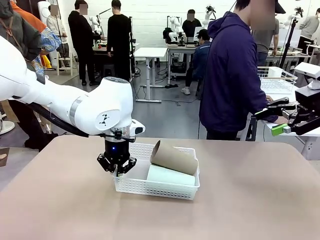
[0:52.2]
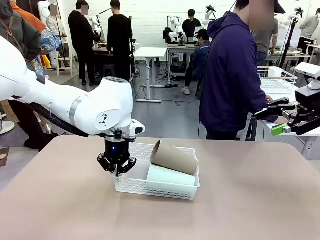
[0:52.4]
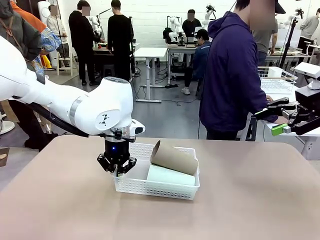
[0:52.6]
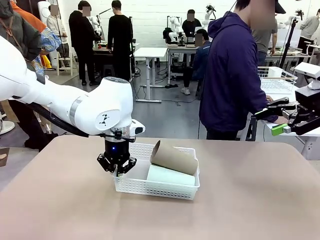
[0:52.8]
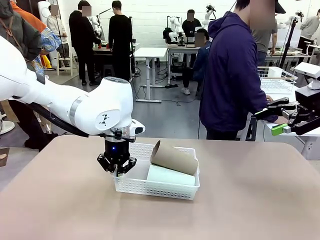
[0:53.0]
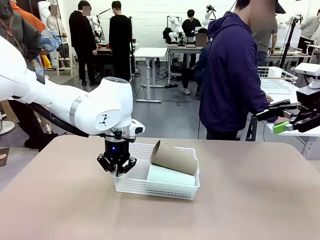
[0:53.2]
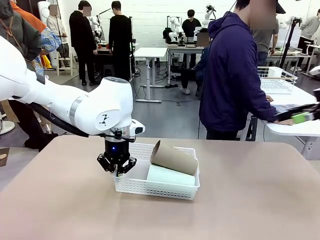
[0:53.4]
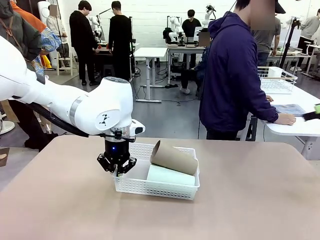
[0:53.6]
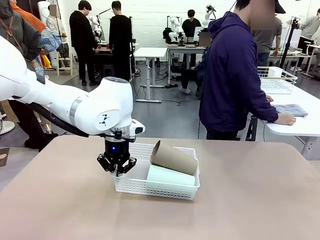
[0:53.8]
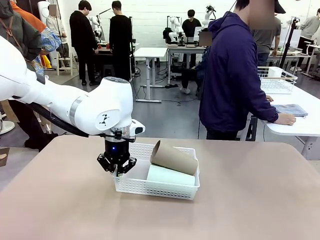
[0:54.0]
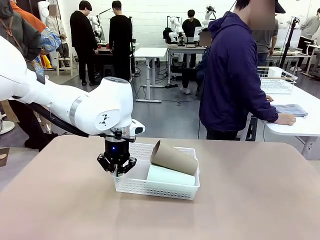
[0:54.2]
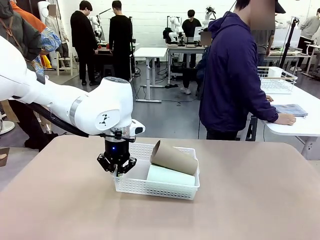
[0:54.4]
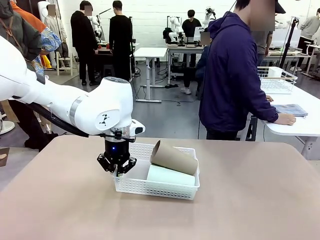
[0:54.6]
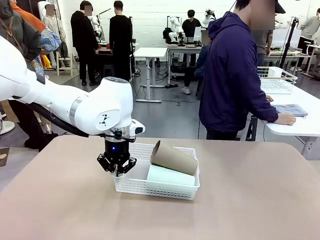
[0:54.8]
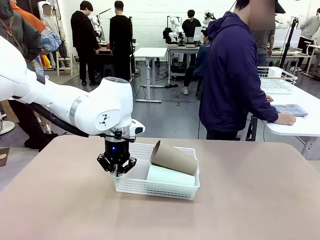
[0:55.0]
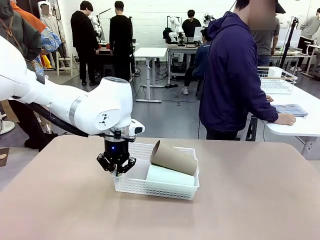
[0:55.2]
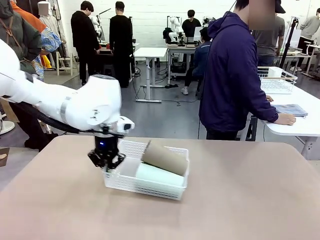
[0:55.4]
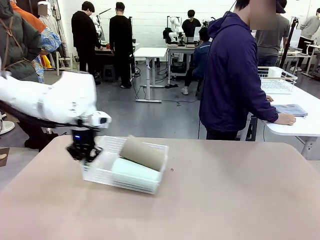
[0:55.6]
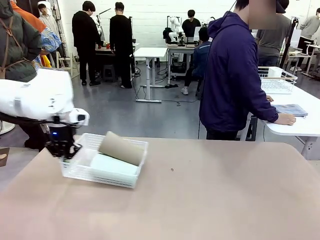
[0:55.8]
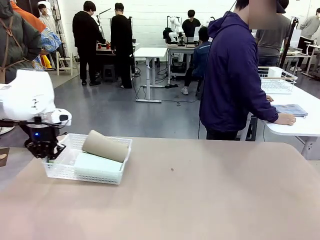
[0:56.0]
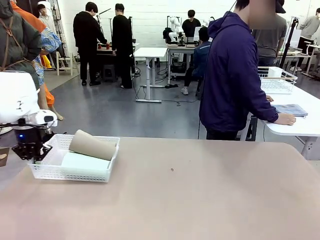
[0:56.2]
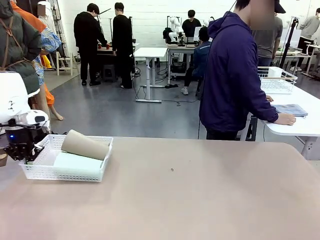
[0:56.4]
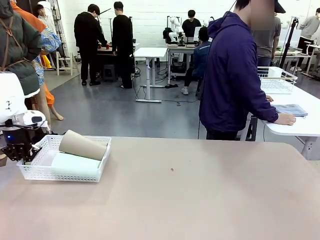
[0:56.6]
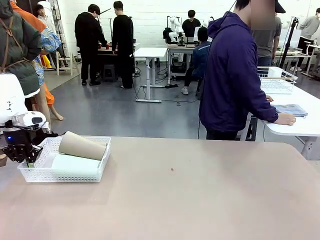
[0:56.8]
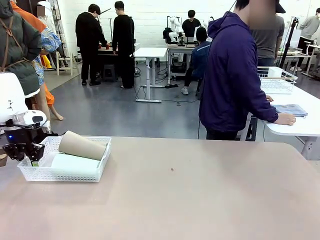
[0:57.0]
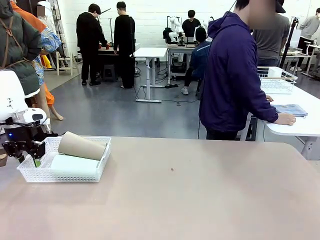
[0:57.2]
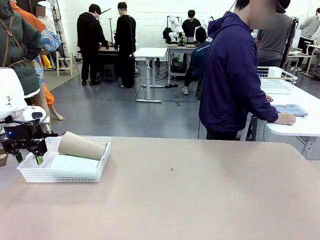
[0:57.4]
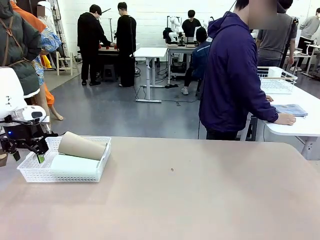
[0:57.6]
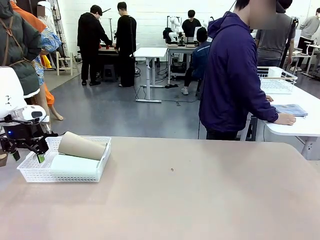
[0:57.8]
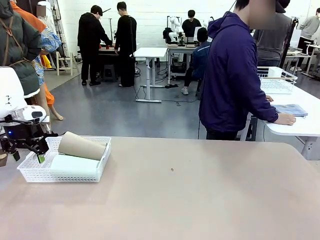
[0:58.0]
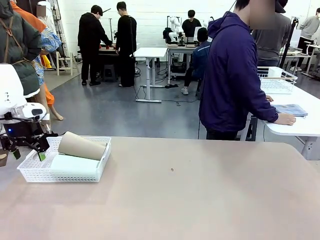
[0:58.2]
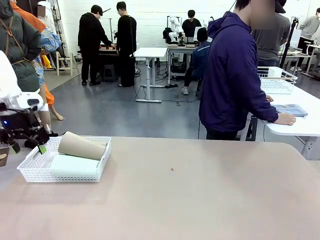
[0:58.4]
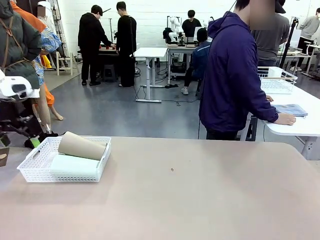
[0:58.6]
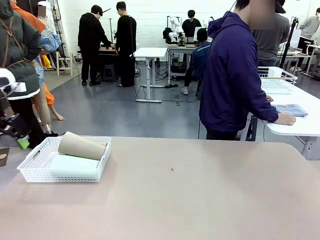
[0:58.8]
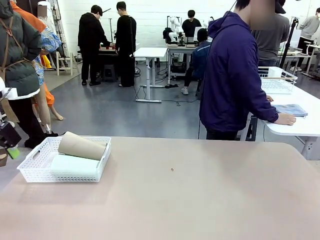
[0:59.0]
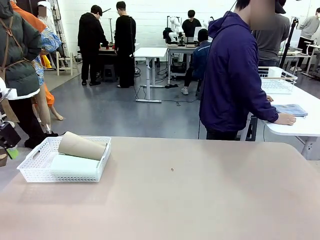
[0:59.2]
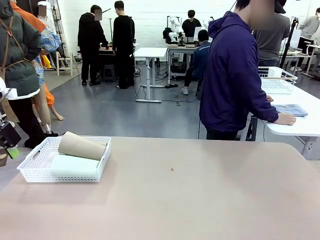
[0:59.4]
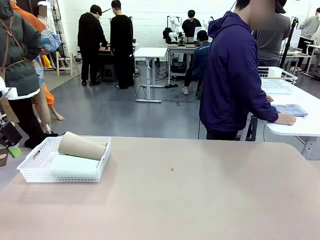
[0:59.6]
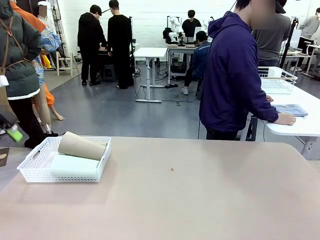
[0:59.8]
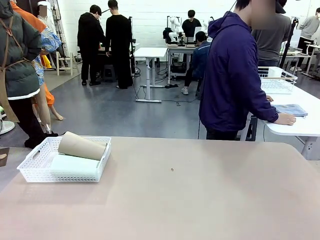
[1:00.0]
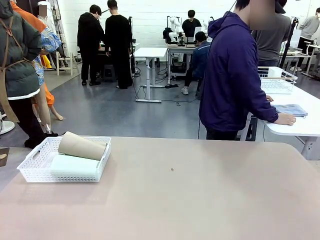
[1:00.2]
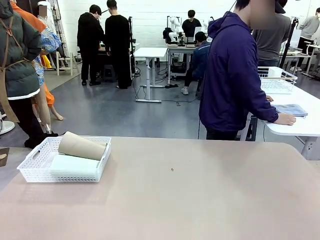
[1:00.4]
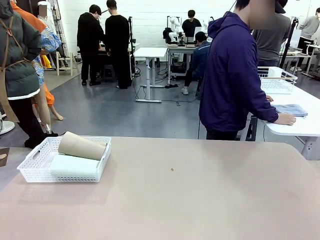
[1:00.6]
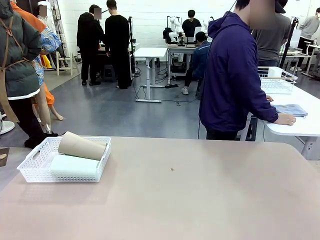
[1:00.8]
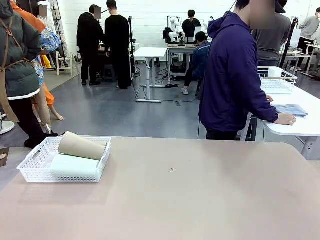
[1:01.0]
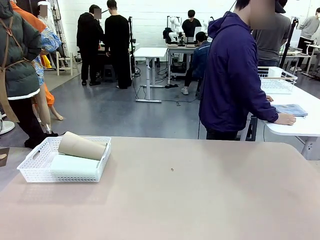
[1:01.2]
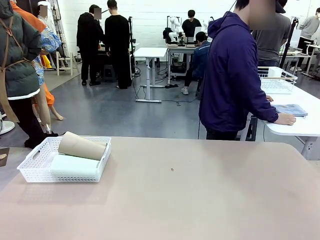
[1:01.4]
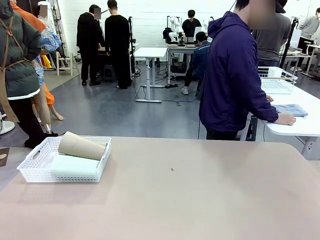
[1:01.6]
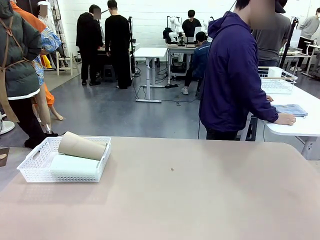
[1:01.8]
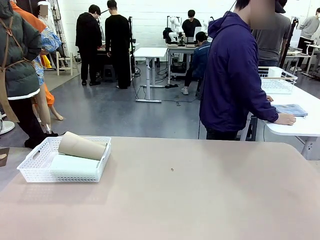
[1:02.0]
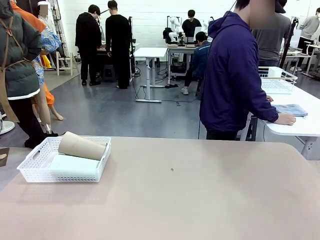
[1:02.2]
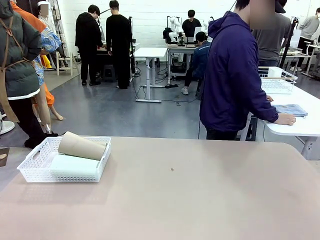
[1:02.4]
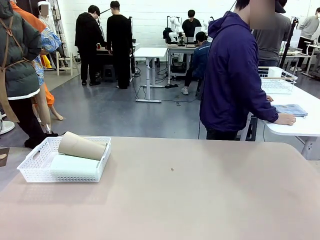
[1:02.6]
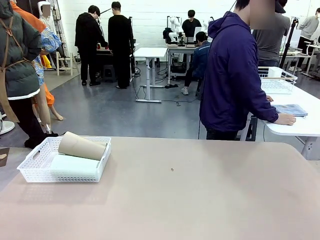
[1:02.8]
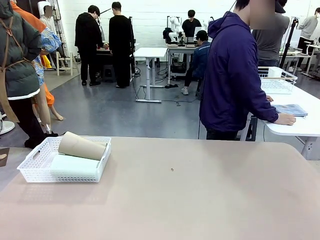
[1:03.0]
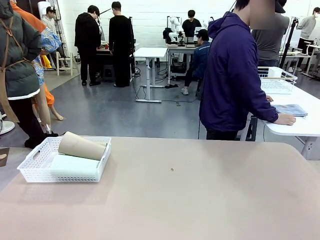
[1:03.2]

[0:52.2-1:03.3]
Task: Clean and organize the cups into the basket.
Robot: Move the Organizing basket back to the left side of the table.
Person: Folds the towel in half twice and places it in the right of the table.

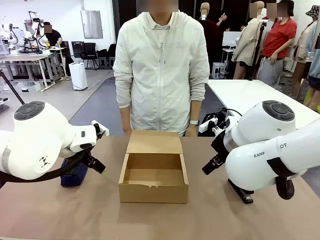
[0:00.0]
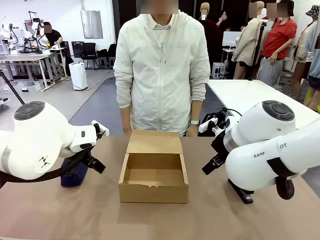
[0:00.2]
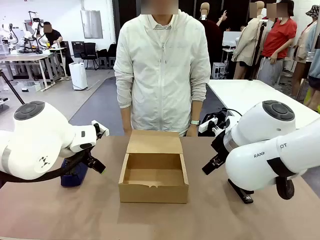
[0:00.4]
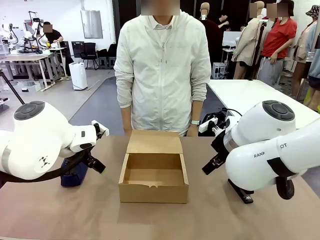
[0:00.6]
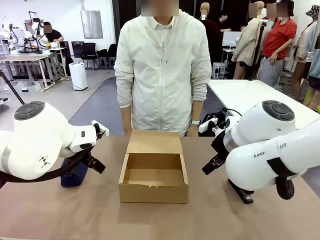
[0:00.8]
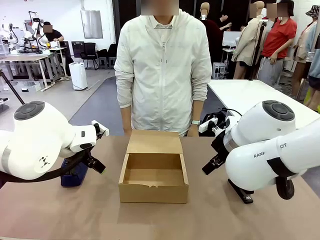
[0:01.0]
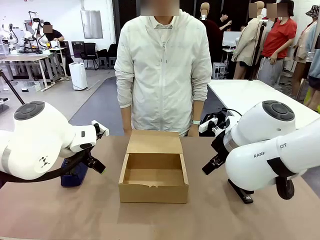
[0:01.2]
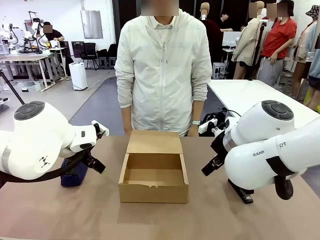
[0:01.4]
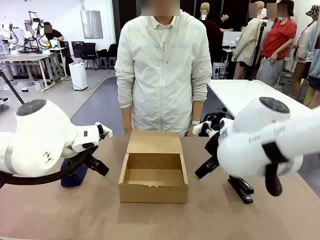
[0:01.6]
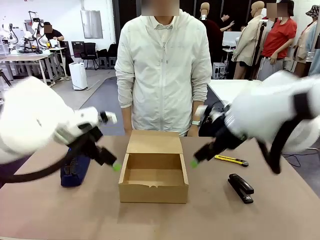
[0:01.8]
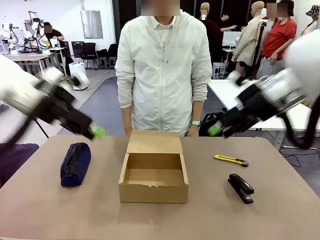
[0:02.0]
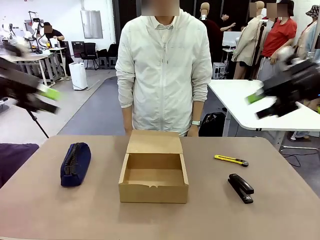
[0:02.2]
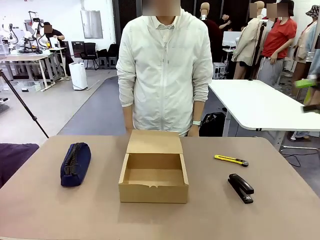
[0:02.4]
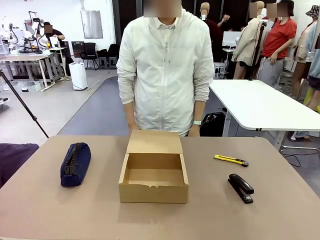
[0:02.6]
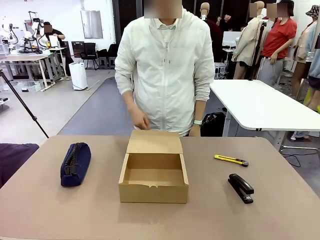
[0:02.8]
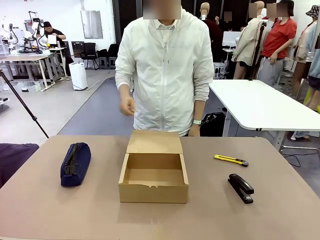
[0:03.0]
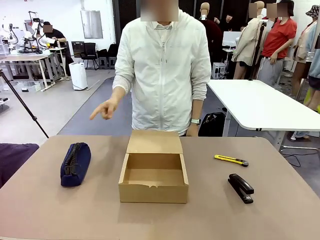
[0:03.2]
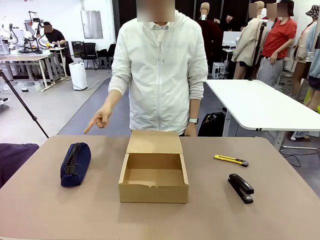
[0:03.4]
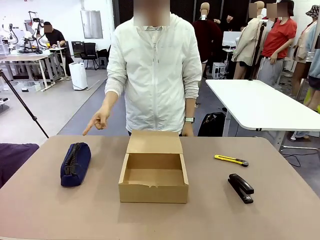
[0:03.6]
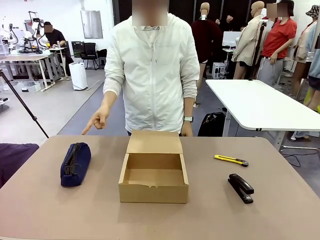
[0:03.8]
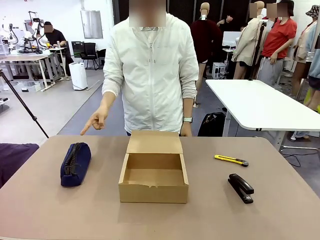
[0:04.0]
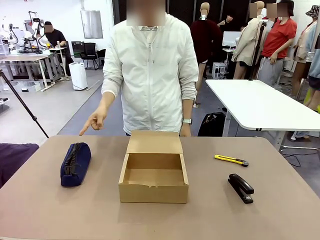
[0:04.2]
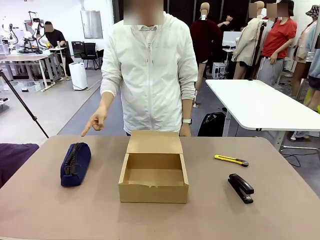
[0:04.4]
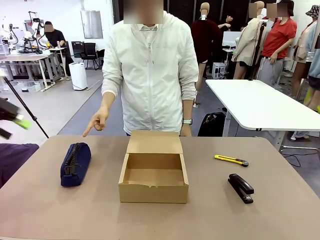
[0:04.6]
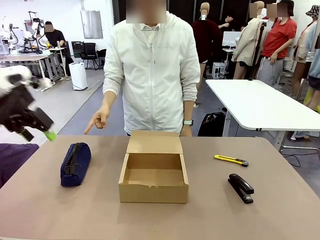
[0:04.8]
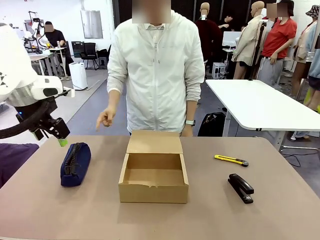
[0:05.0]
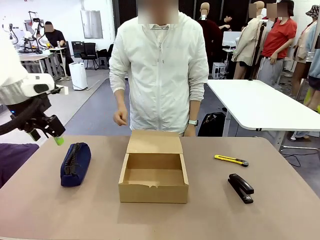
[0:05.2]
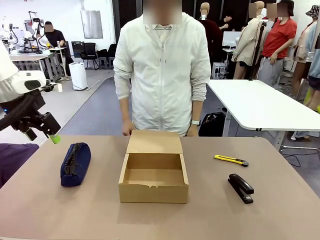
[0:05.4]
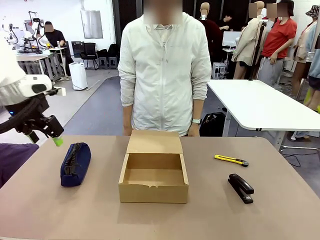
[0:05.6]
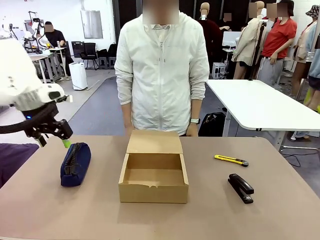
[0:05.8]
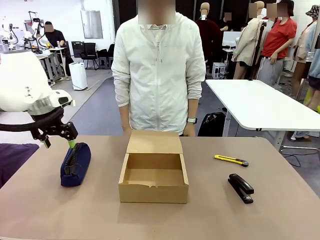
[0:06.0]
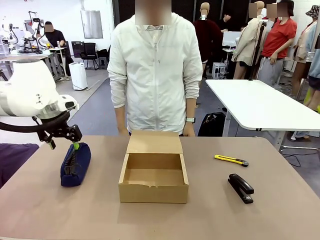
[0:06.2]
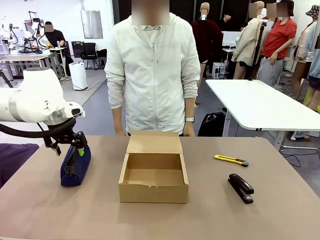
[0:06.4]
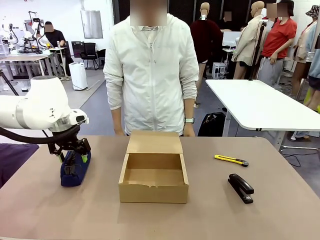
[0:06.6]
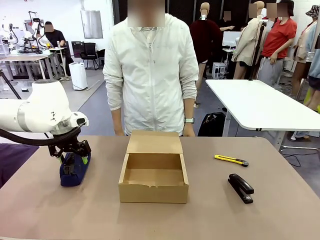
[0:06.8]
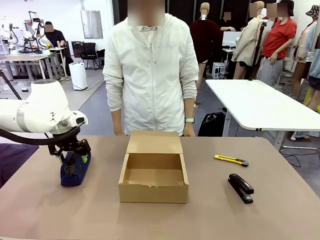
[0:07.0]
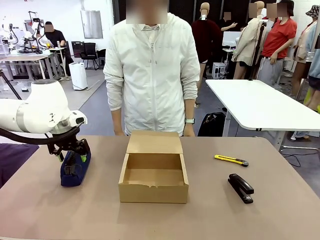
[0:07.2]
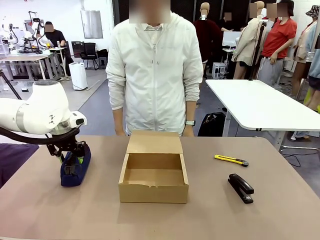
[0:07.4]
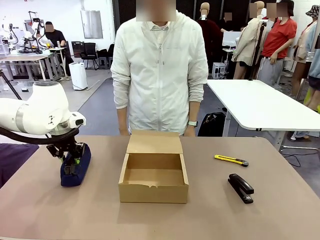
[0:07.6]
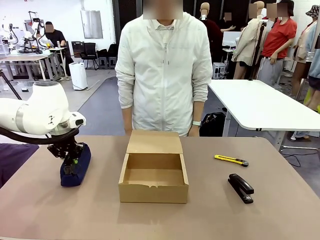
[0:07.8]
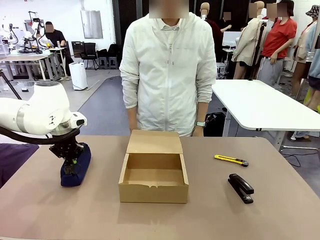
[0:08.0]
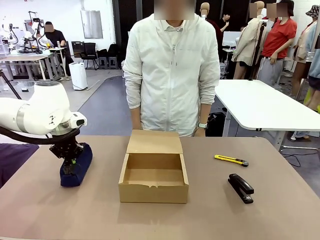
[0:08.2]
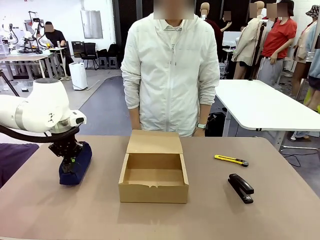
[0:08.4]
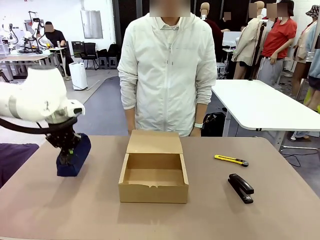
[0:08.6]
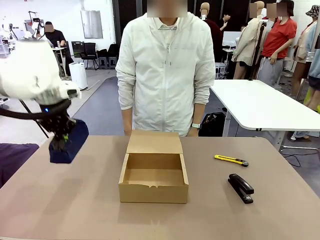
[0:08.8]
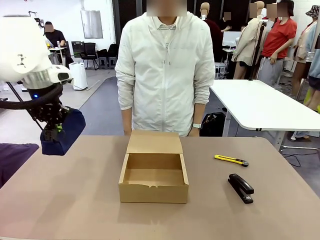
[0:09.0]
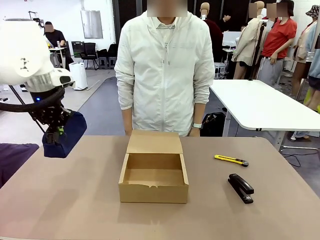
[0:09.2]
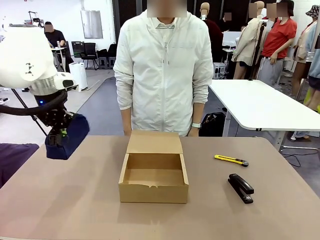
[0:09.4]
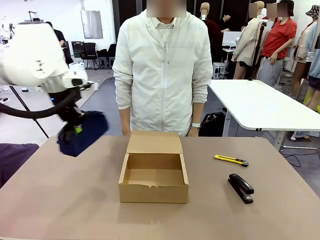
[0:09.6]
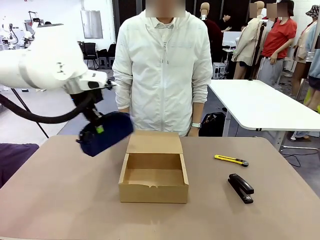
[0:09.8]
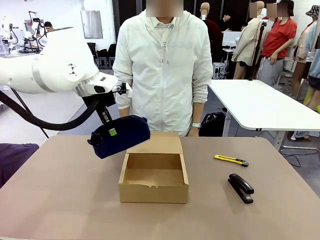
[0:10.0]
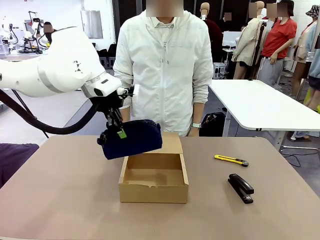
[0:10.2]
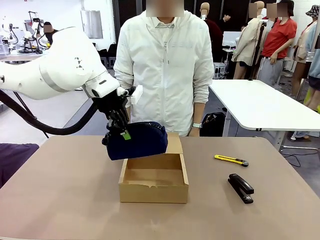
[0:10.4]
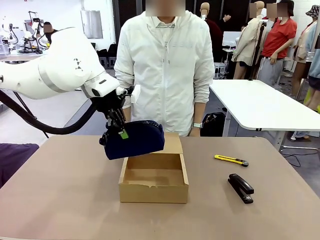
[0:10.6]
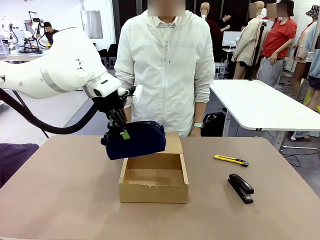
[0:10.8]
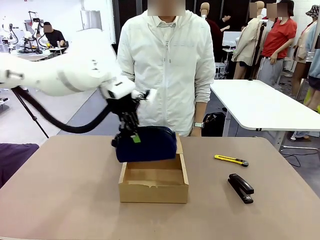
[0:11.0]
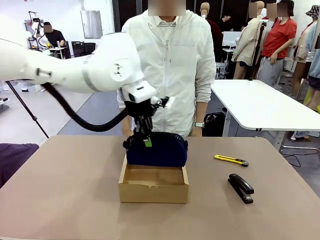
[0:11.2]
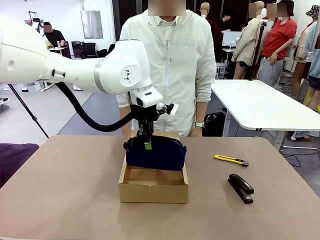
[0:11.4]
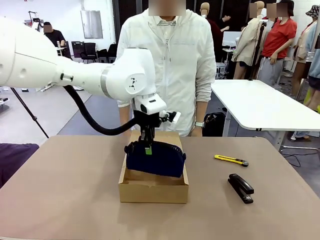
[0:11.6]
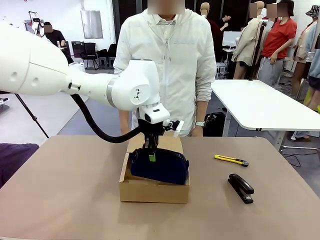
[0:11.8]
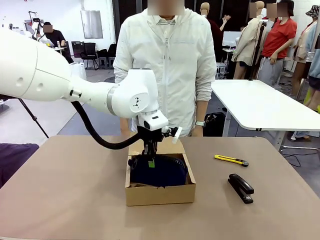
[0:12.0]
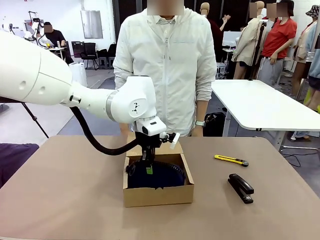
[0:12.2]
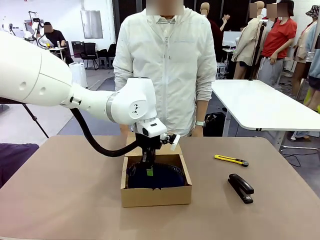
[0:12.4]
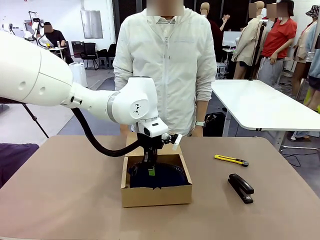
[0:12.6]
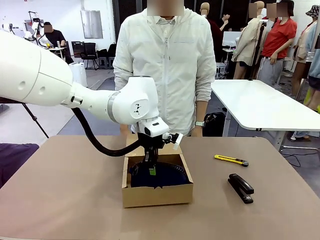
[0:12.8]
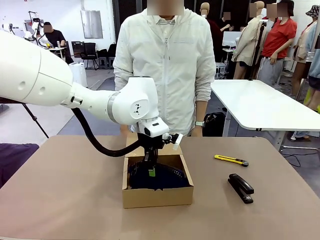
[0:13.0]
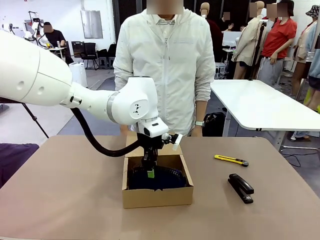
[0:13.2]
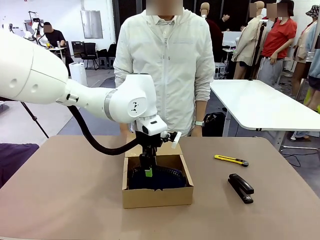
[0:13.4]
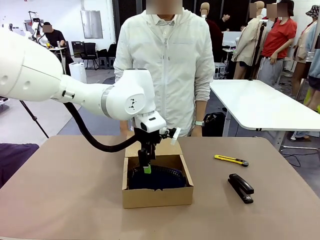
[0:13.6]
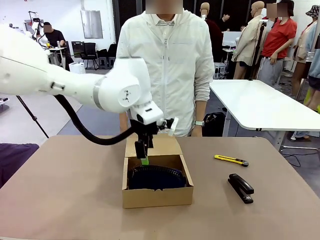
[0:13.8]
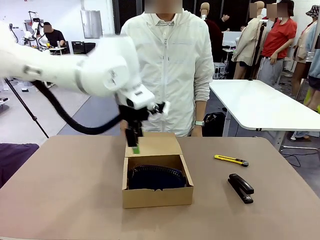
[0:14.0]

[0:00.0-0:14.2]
Task: Pack the items into the box.
Robot: Pick up the item specified by the human and place it in the Mailer Box.
Person: Point at one item on the table (excluding the box).
